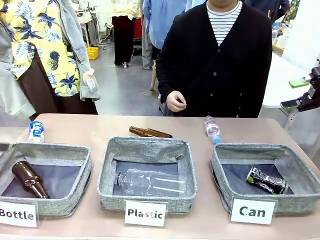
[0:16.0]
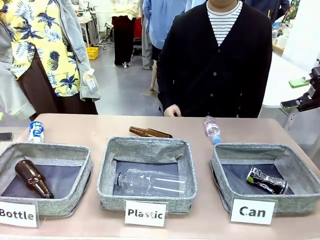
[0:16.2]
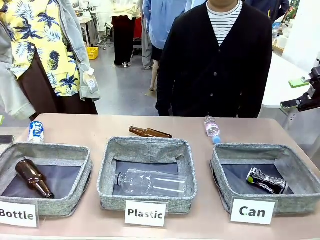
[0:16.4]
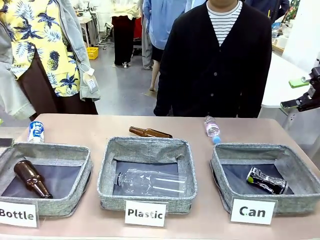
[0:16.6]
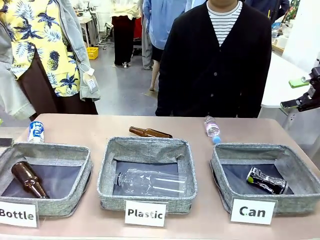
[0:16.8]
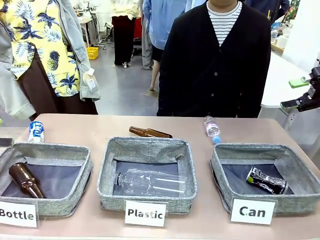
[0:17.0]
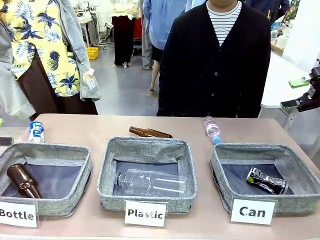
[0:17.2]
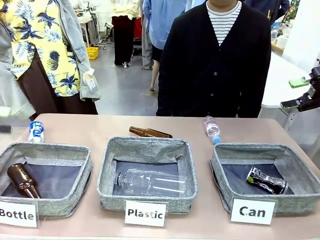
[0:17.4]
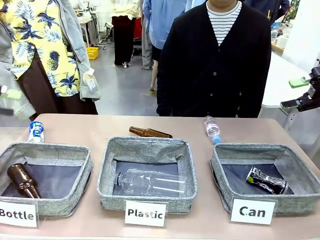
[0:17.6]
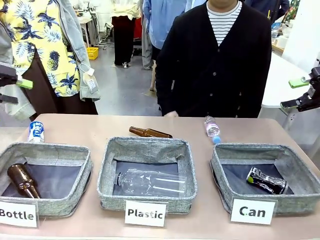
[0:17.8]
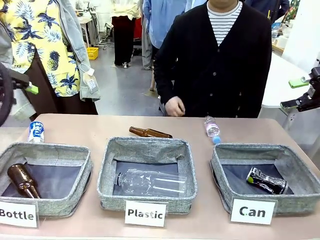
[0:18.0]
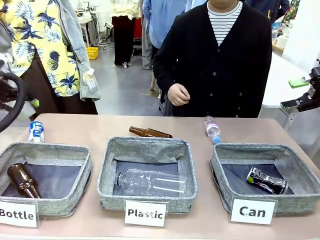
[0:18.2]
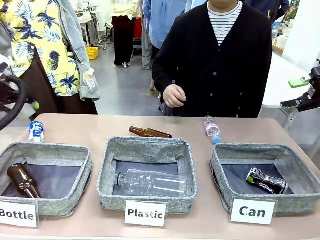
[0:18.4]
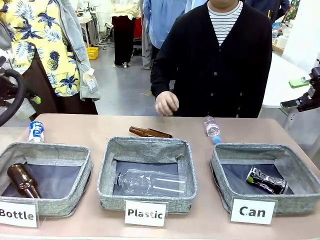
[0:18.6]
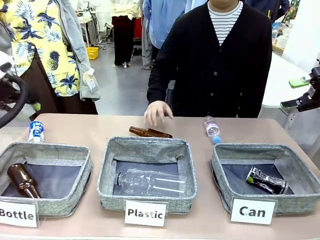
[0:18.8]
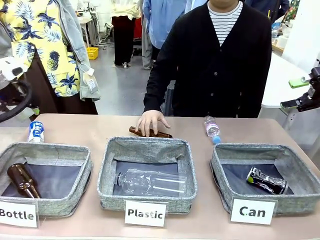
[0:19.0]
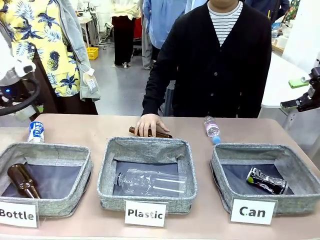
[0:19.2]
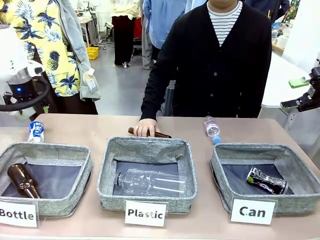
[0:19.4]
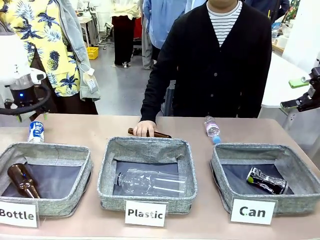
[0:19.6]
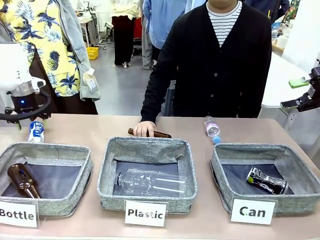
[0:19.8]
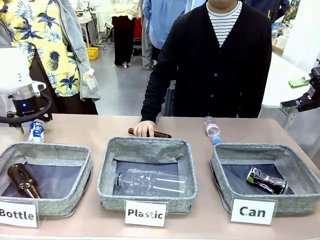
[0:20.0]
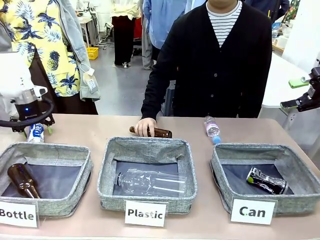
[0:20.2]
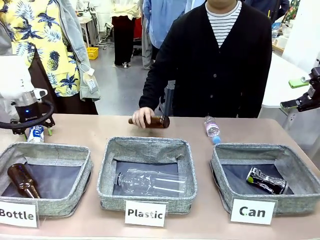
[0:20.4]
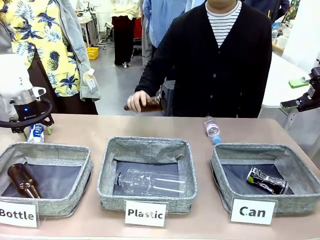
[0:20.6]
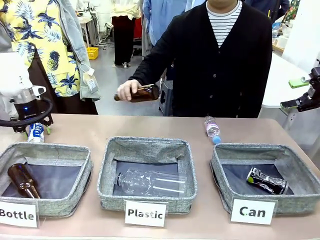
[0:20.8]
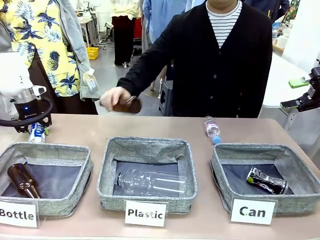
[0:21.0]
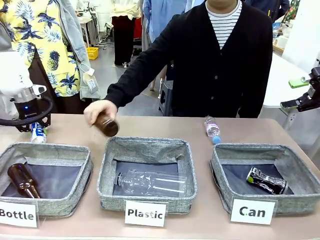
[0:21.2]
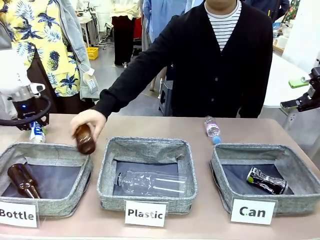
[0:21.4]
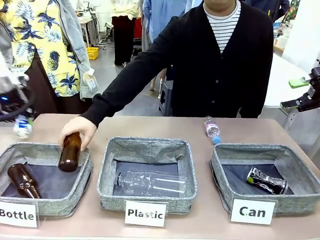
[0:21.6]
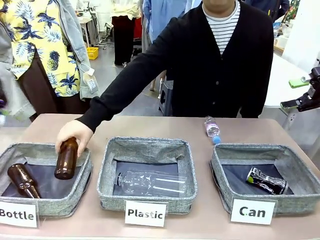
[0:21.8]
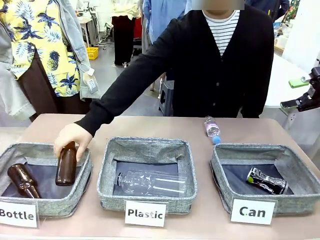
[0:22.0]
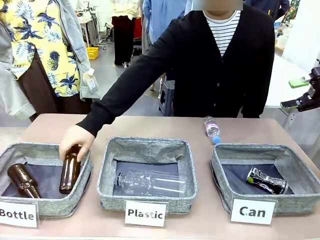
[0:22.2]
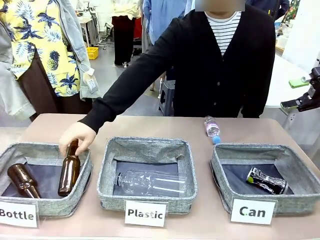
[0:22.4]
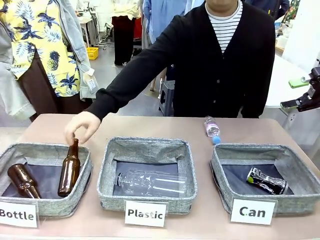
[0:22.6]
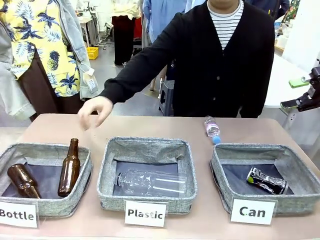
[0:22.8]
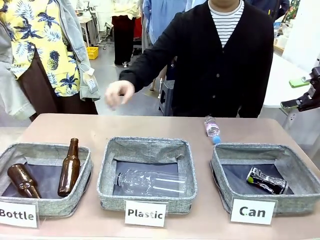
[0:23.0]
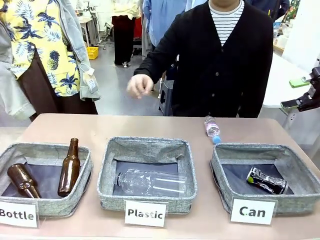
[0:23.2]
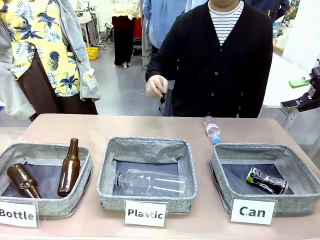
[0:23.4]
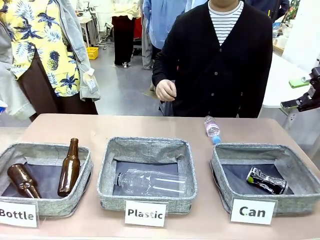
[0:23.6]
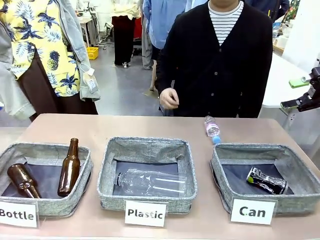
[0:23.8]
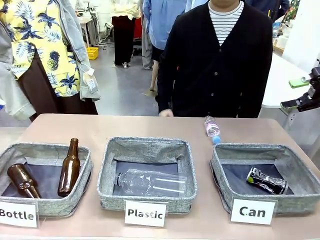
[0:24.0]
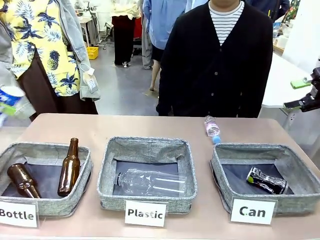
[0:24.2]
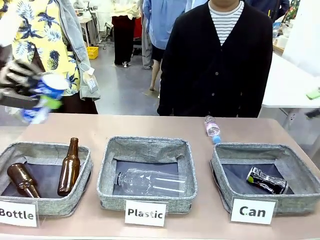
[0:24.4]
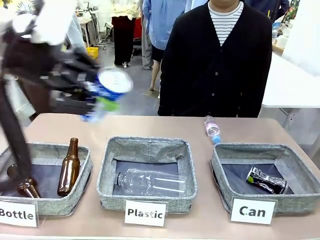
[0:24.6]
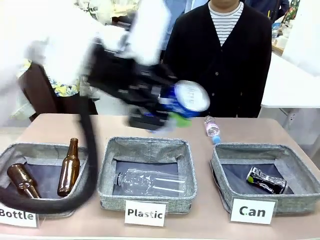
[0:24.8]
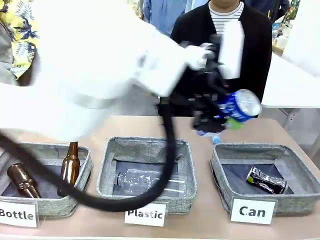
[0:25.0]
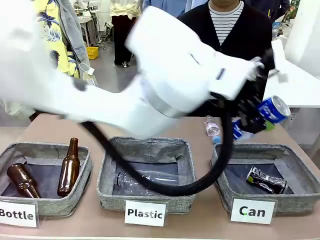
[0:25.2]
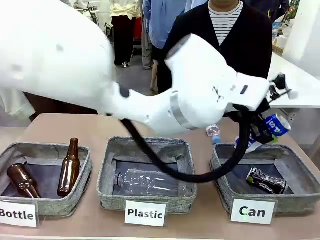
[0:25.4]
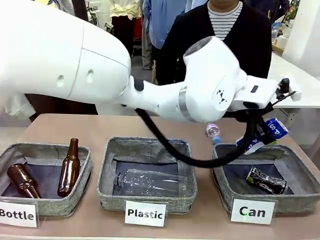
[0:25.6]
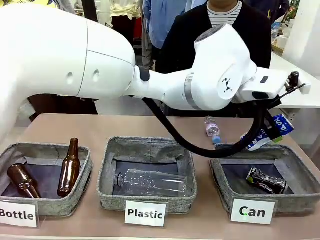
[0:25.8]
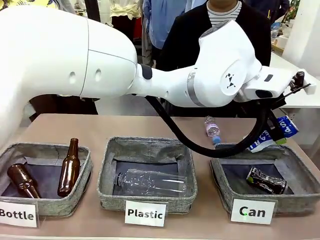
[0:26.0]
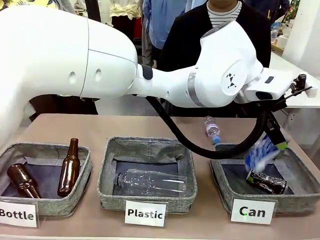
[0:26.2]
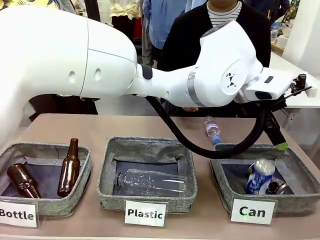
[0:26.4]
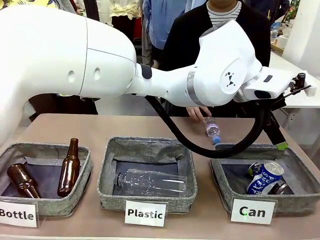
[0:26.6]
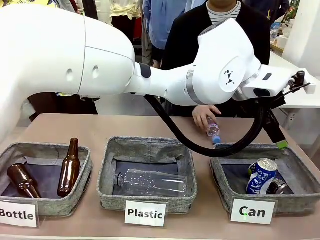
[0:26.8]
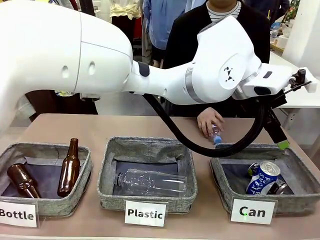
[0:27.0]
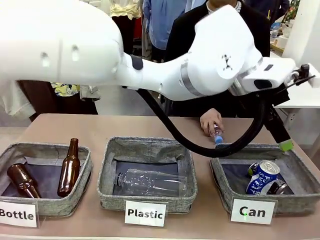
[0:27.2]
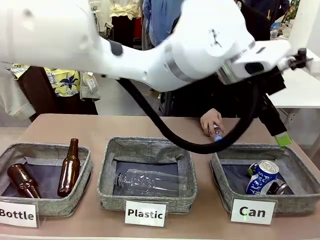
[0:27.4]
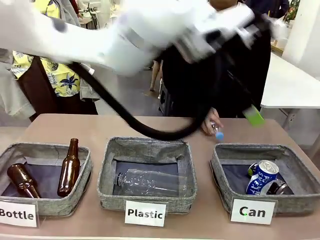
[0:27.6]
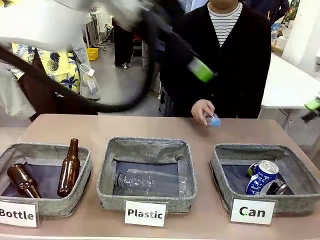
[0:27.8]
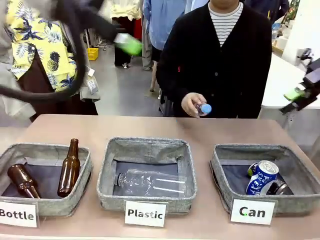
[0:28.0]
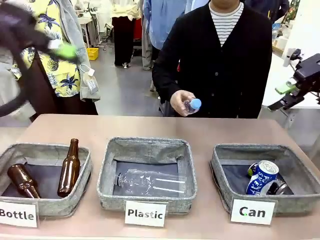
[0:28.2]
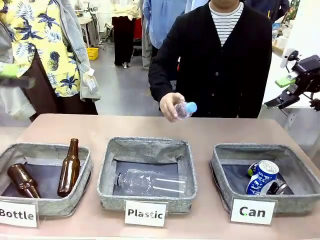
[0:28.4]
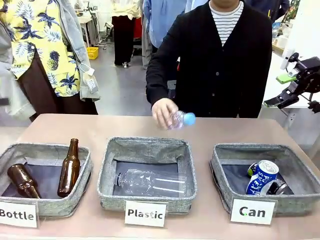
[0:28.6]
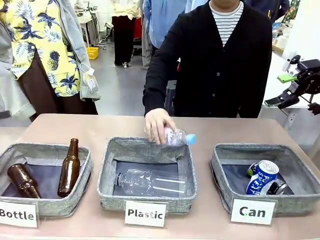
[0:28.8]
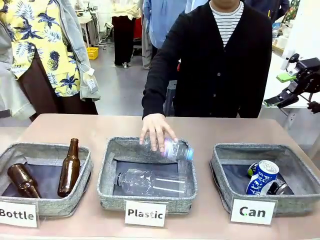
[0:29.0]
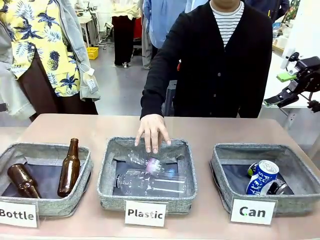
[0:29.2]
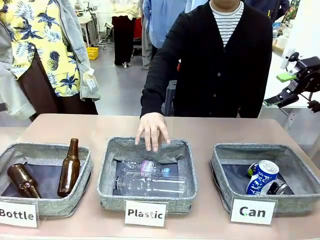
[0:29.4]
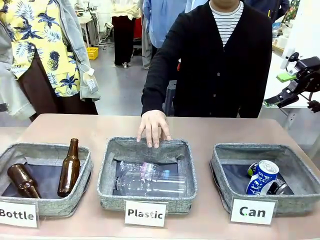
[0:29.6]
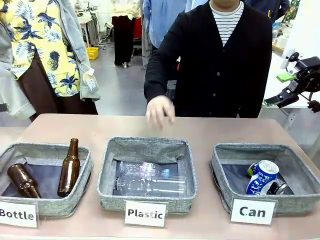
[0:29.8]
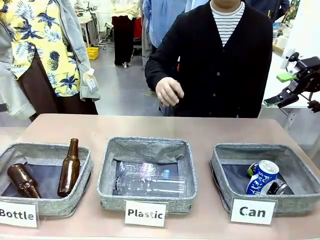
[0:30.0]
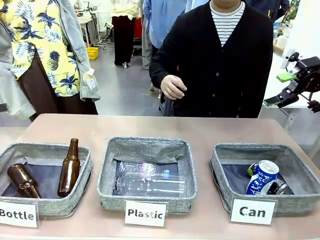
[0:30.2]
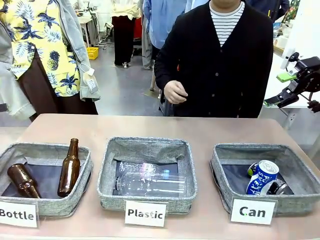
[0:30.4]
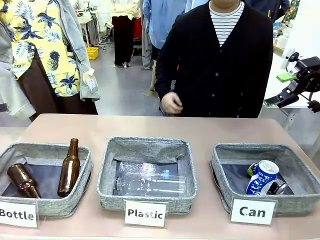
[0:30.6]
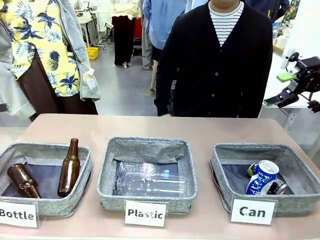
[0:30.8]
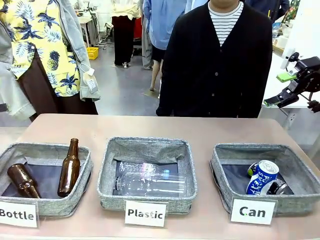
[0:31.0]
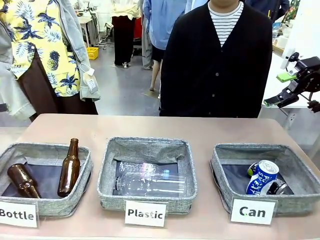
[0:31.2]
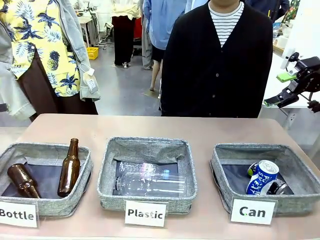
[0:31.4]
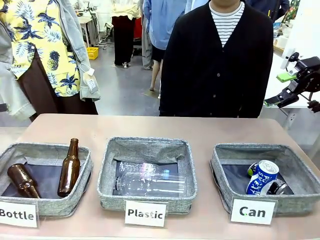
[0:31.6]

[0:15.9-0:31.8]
Task: Sort the can waste into the basket.
Robot: Pick up the can waste from the table and place it in the right Fabric basket.
